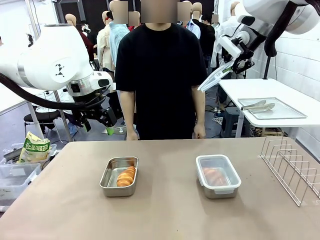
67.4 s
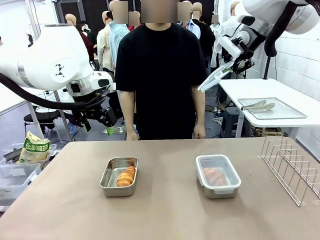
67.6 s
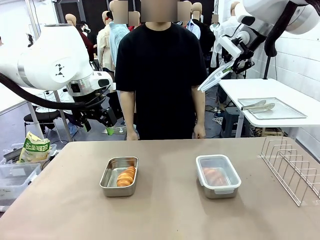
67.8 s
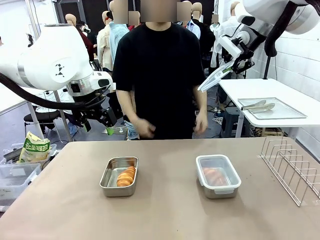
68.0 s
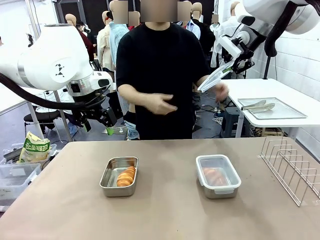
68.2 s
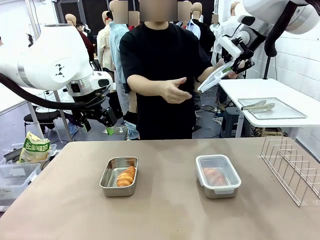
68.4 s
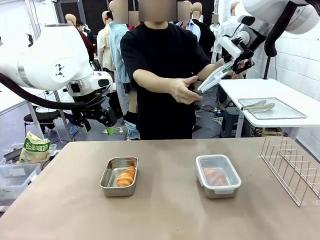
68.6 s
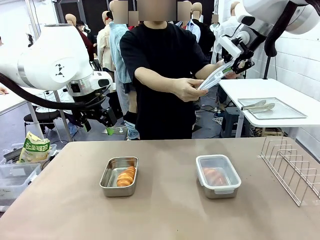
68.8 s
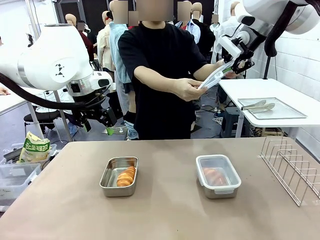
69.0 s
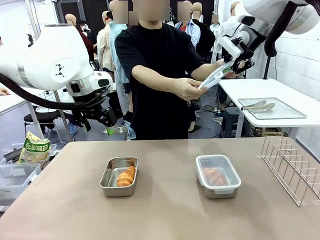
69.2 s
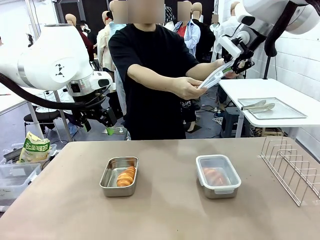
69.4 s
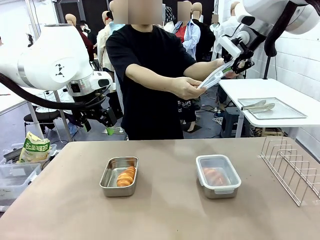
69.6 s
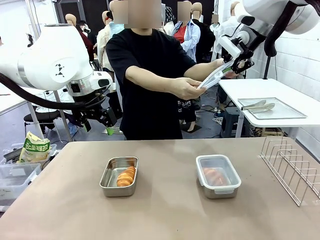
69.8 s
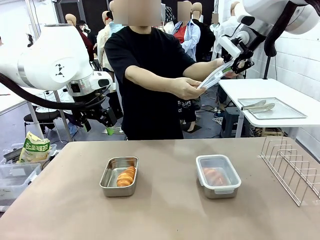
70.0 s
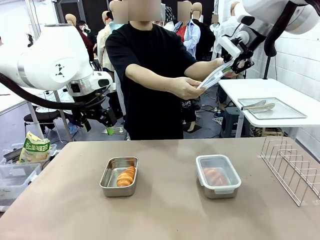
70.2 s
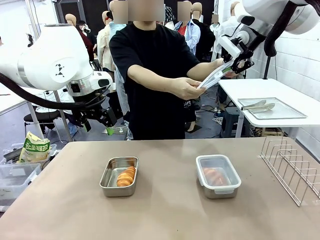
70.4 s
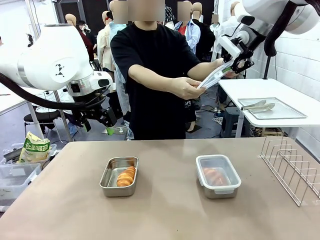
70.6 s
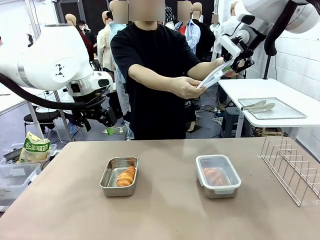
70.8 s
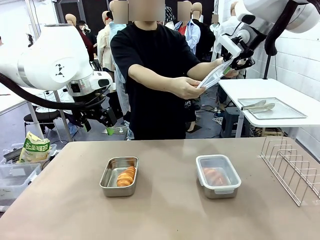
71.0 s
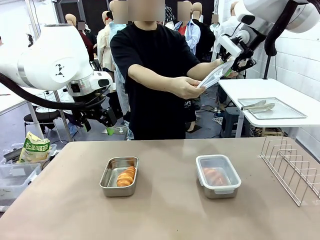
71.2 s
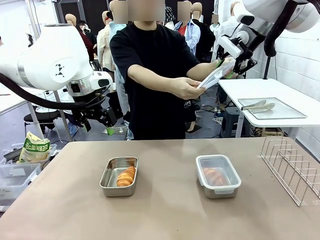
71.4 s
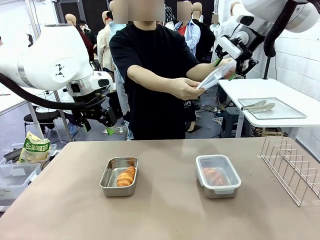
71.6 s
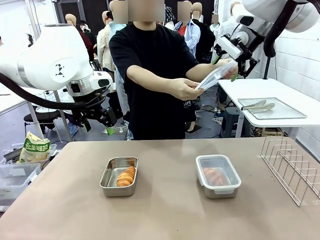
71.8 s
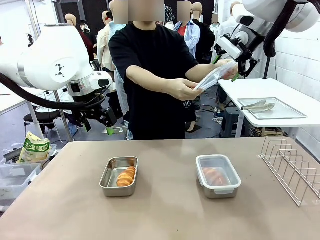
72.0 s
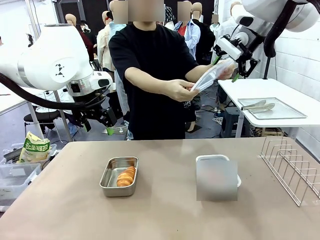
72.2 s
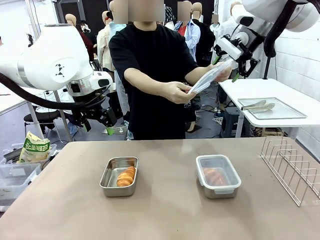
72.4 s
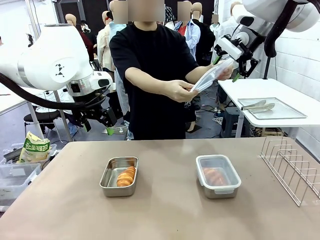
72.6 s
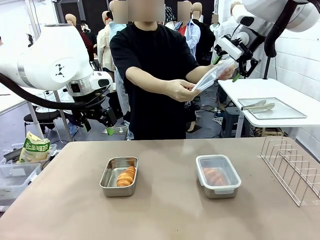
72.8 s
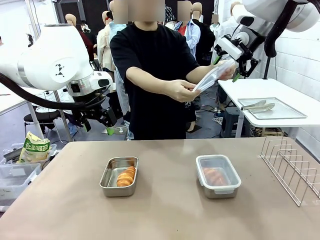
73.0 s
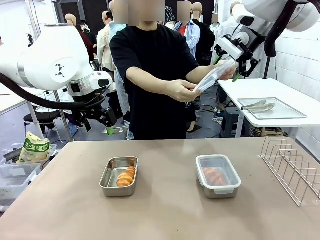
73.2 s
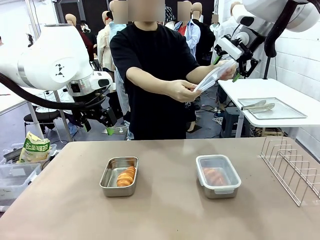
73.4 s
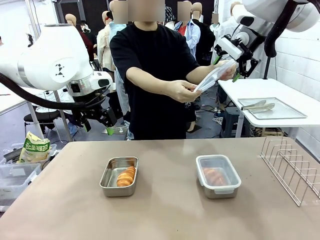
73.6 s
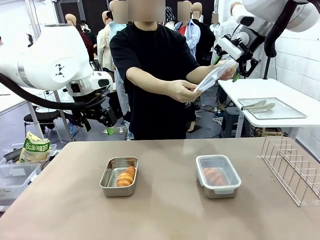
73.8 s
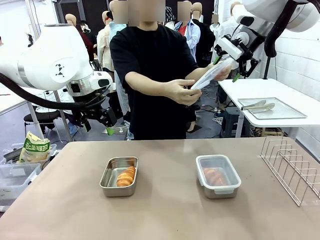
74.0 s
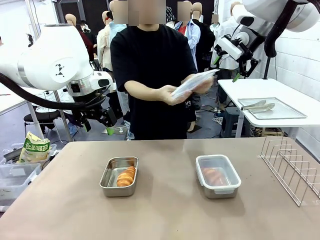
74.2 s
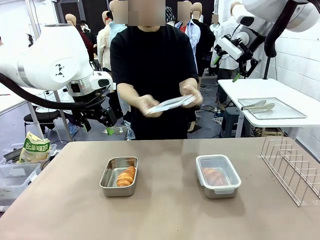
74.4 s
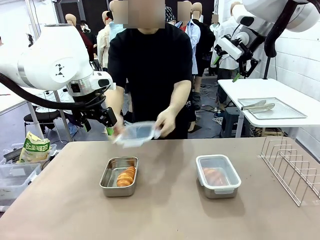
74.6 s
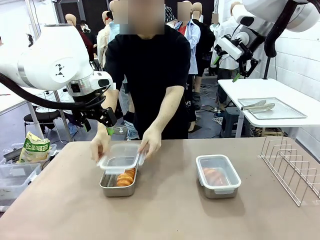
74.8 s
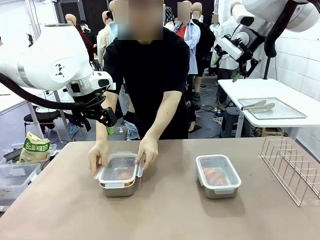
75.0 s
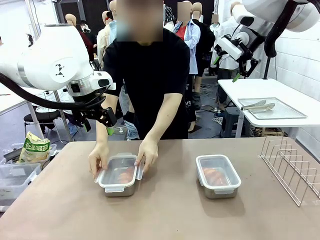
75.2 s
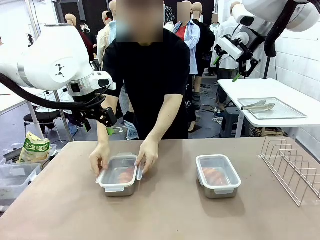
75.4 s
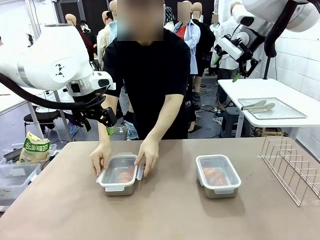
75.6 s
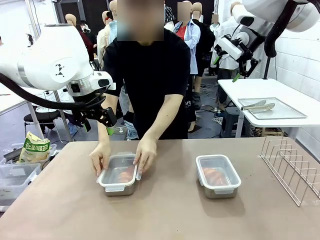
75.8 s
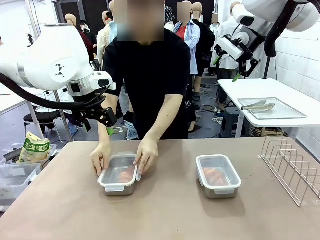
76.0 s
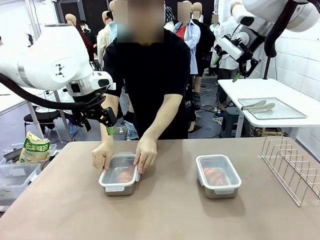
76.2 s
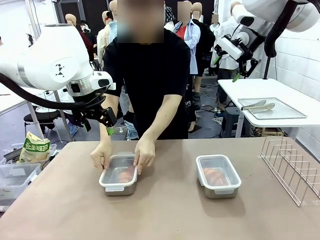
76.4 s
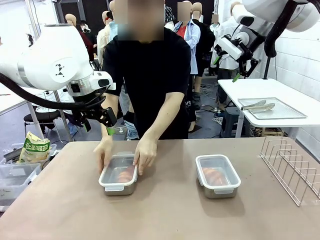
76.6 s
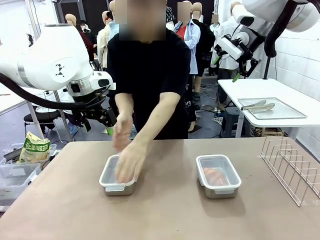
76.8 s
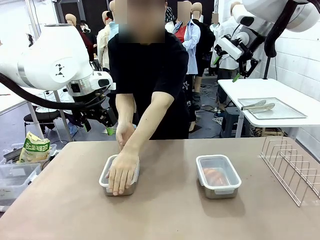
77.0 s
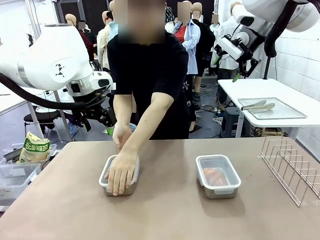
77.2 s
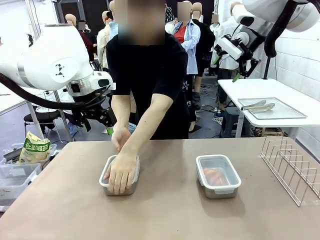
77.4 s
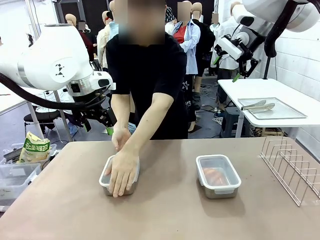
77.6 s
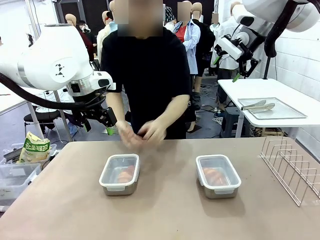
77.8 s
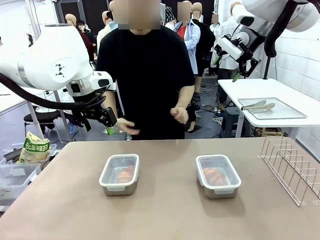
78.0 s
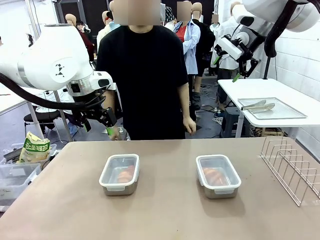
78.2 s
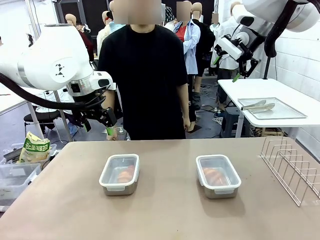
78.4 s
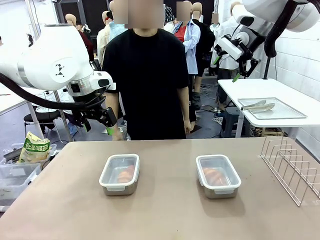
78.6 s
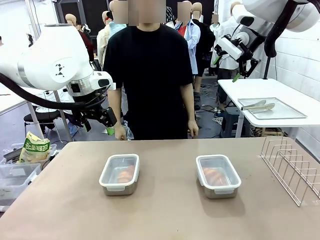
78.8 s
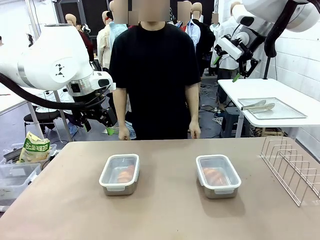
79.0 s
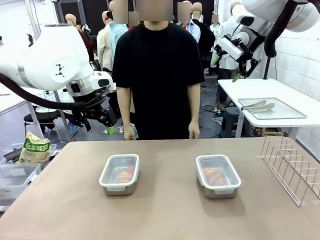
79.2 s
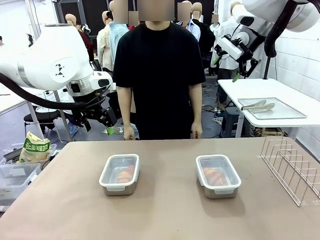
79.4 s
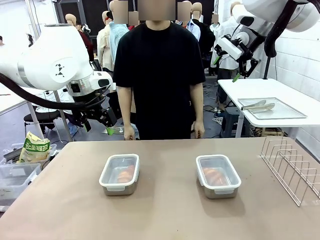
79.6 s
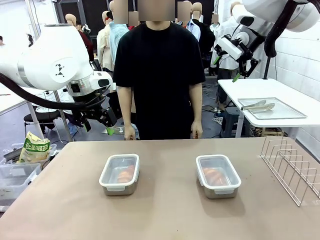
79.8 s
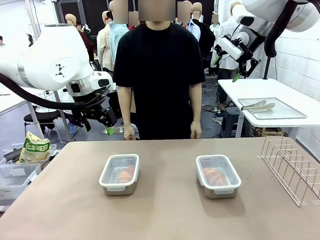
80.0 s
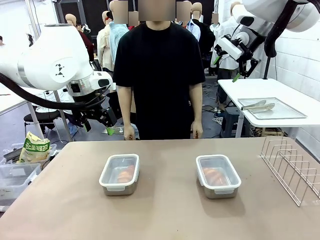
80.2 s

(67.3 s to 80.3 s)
Task: Place the bread in airtight containers.
Robot: Release when the human grabs the Airtight Container lid.
Person: Close Airtight Container with a handed Airtight Container lid.

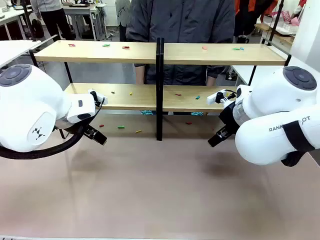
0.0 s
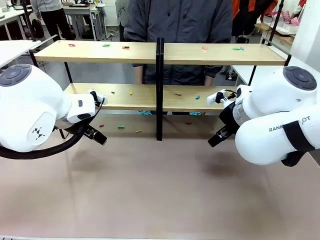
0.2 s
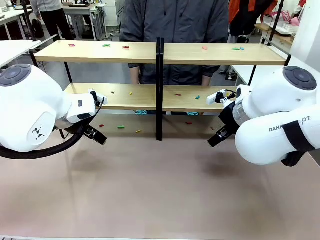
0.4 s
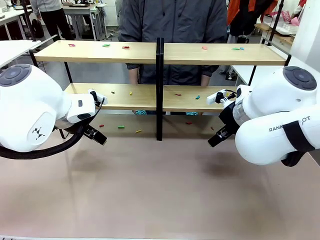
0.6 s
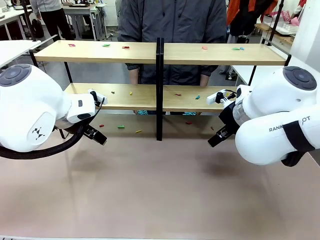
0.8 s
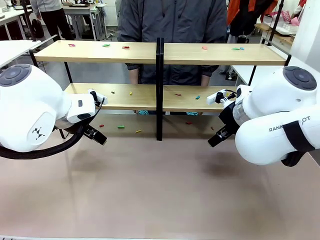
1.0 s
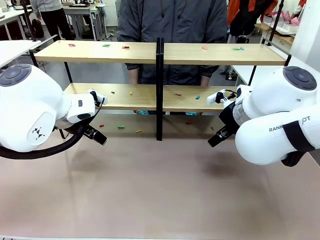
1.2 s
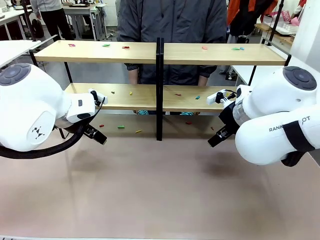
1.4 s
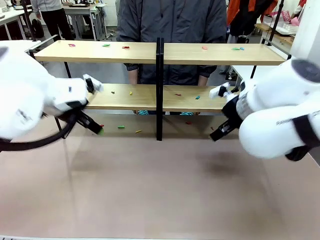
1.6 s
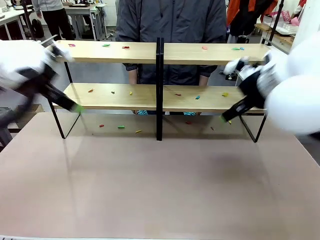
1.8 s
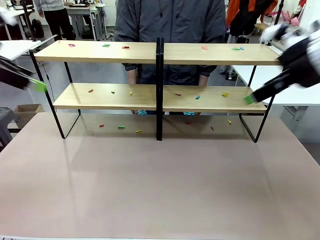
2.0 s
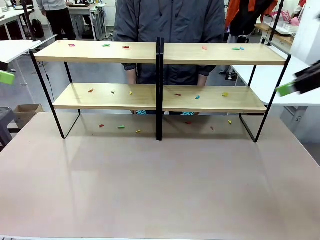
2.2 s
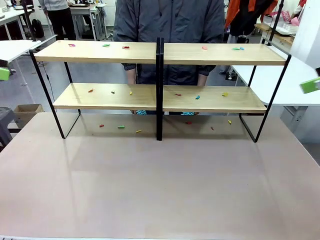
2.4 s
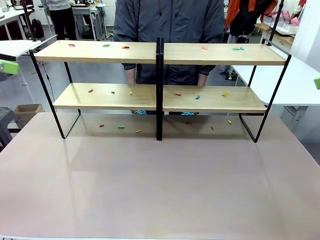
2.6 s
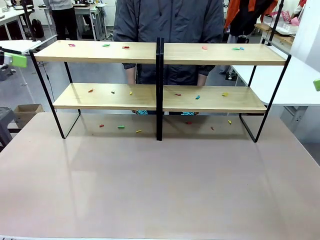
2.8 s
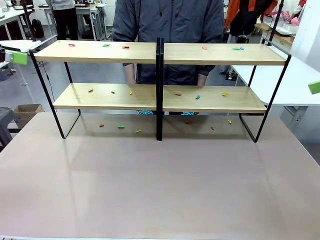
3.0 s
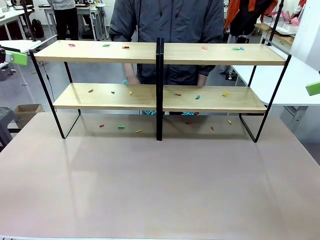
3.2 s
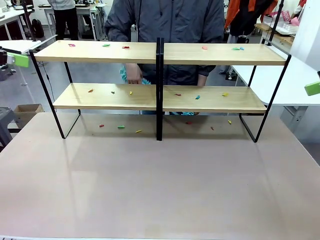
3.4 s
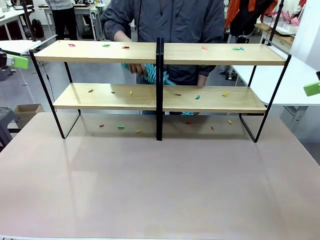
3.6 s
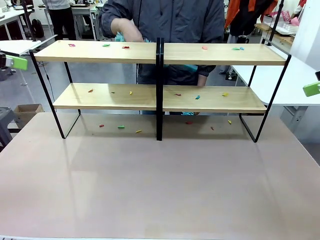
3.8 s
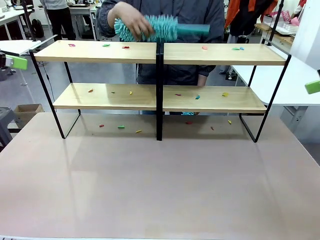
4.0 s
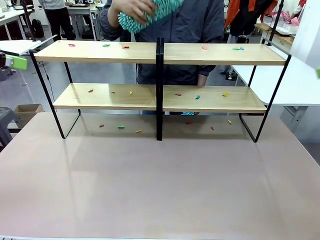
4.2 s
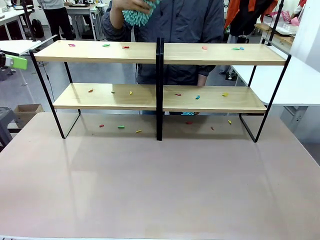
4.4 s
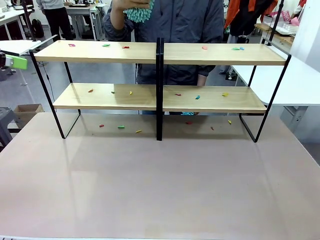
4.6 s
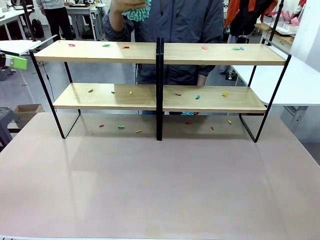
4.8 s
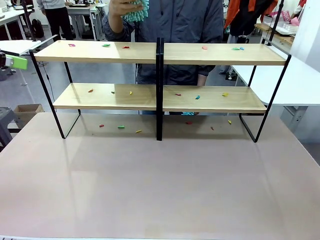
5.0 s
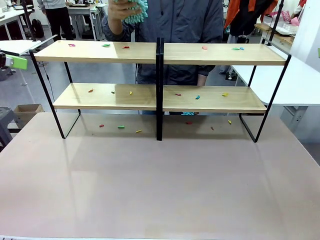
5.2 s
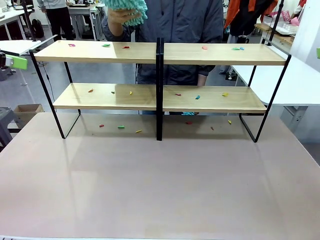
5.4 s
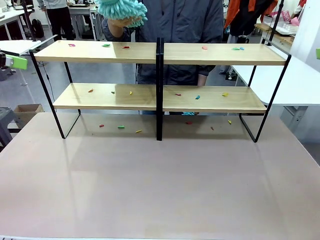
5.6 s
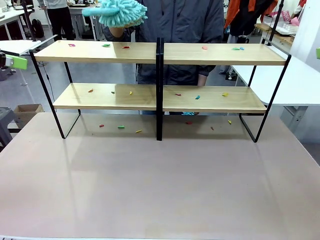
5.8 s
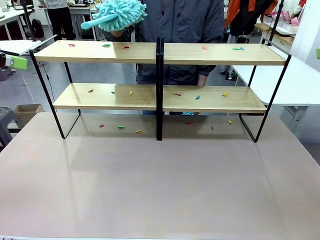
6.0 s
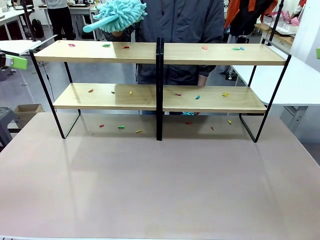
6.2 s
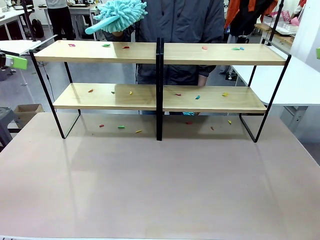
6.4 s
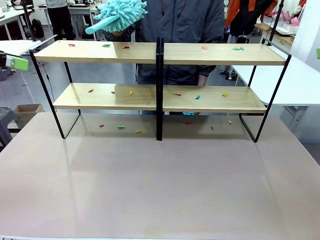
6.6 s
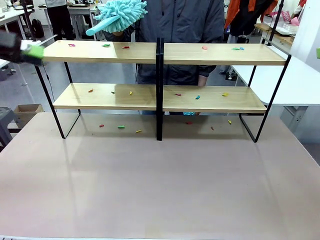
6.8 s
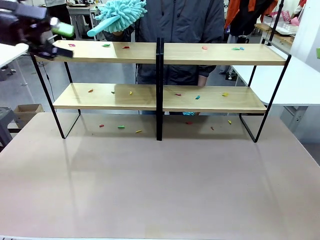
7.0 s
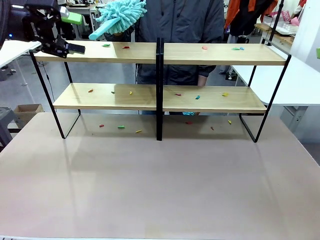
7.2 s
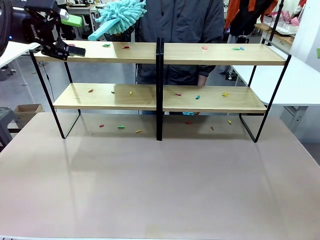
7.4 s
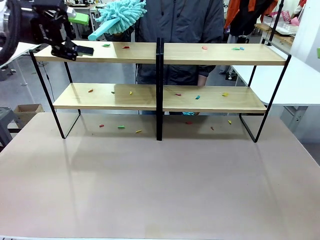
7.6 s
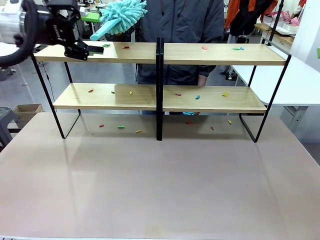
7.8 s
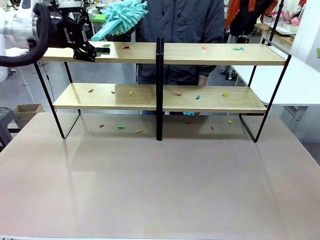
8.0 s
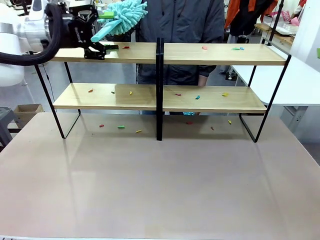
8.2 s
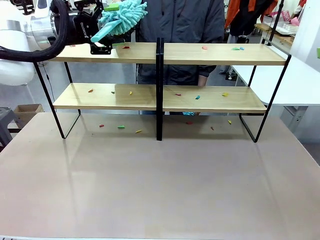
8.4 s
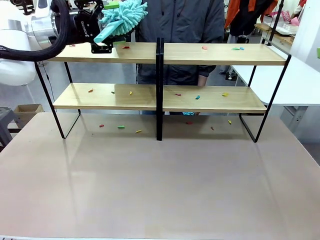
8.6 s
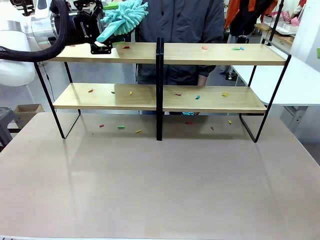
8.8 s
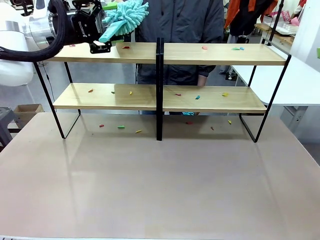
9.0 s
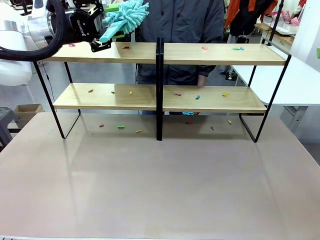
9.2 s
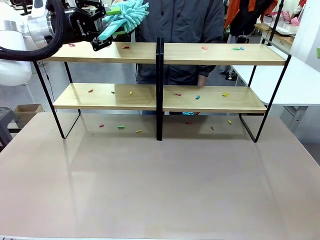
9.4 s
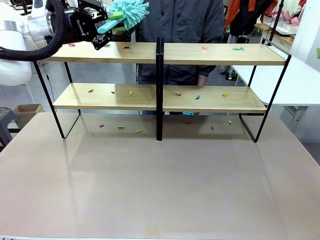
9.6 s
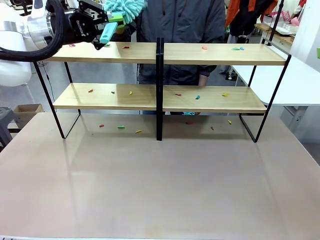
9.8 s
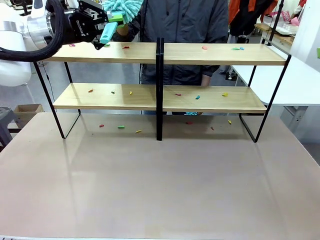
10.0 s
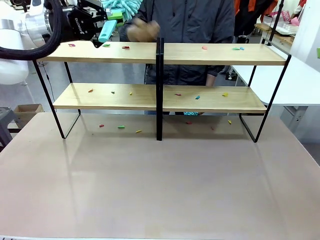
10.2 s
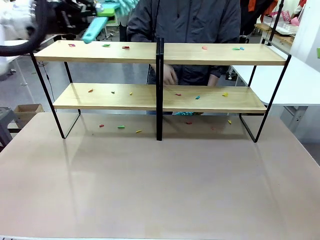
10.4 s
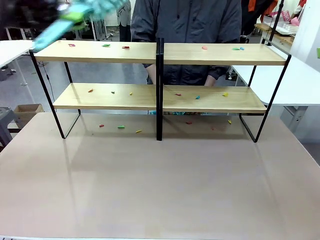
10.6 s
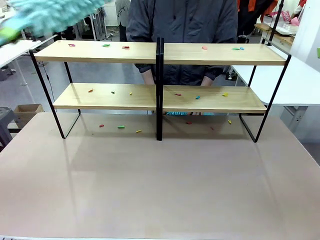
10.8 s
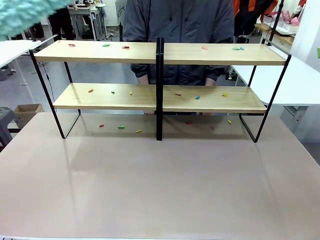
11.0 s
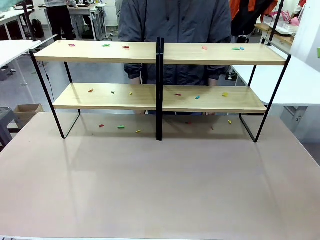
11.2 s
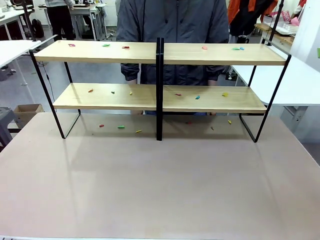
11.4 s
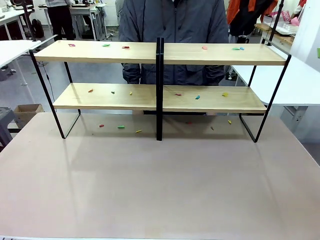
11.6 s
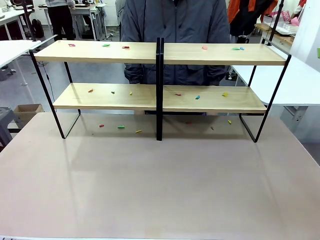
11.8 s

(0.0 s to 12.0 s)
Task: Clean the shelves.
Robot: Pick up the Duster when the human hands it over.
Person: Hand the Duster to the robot with your right (or left) hand.
